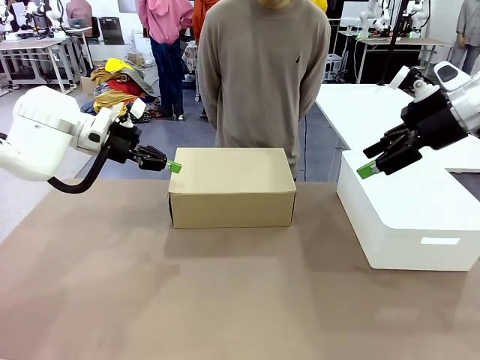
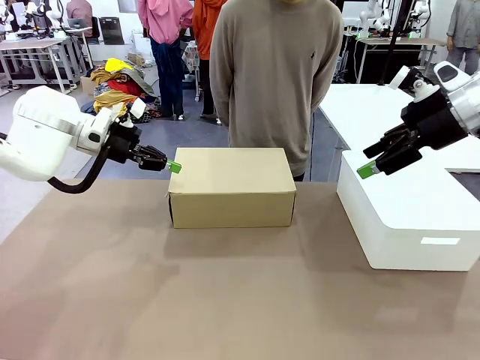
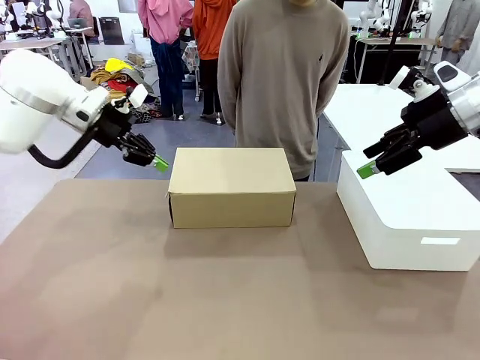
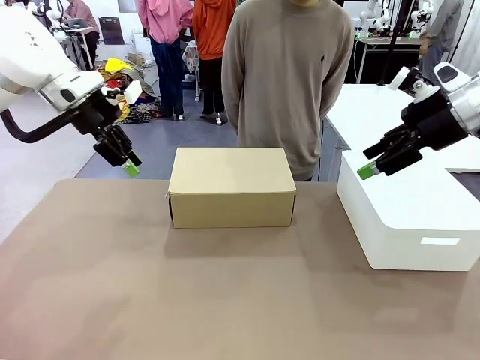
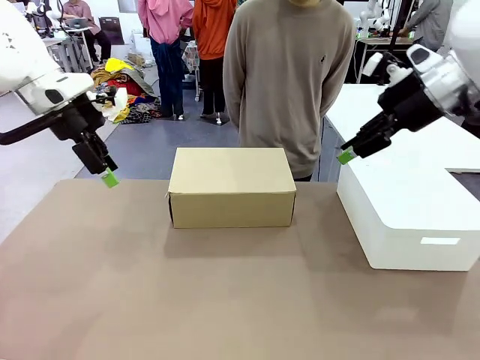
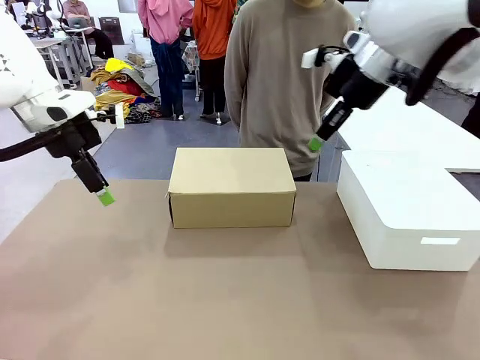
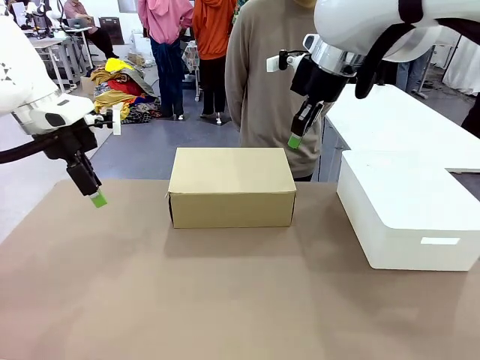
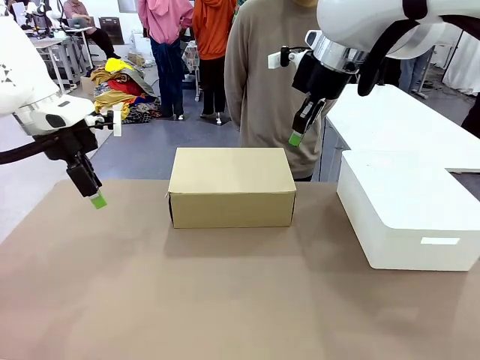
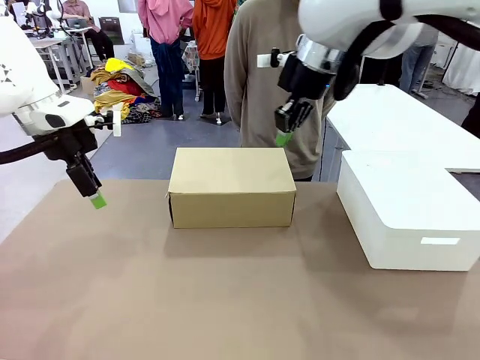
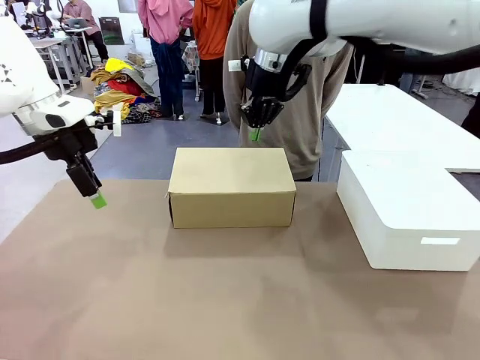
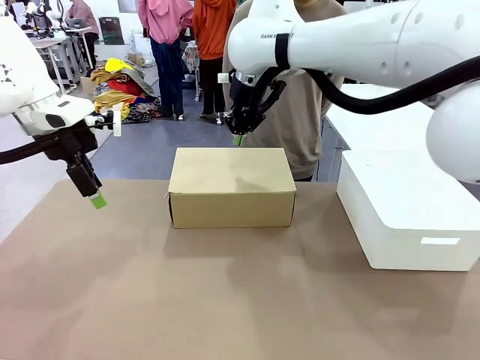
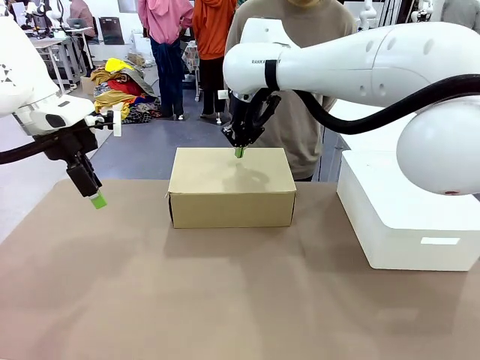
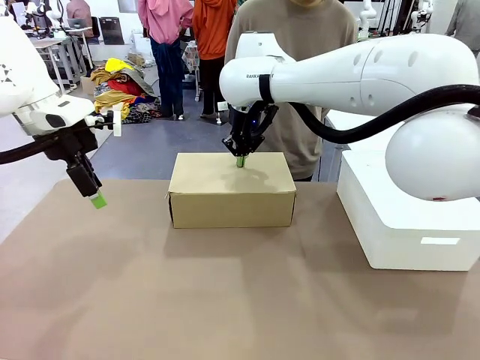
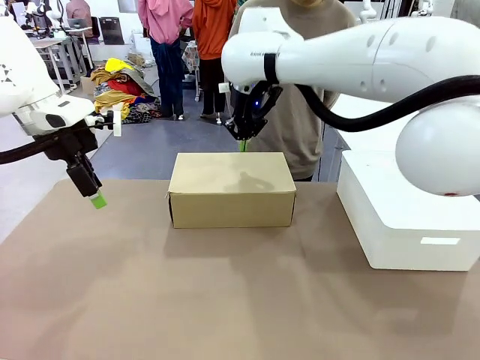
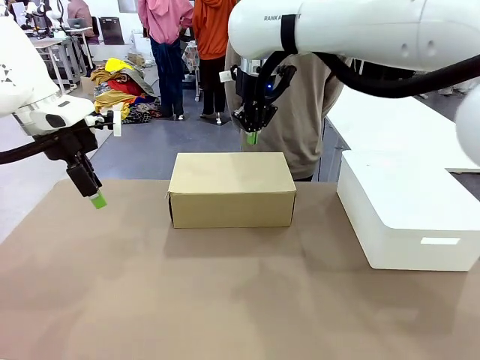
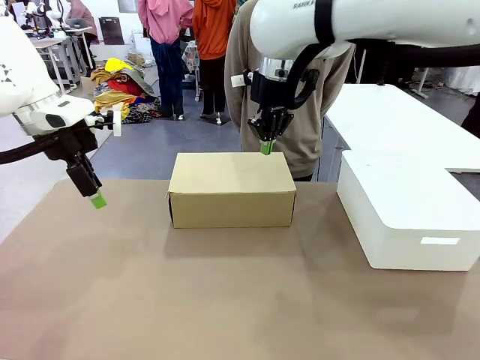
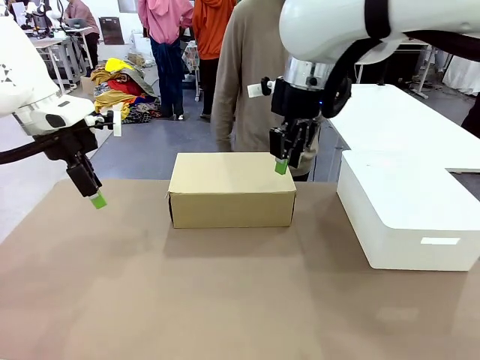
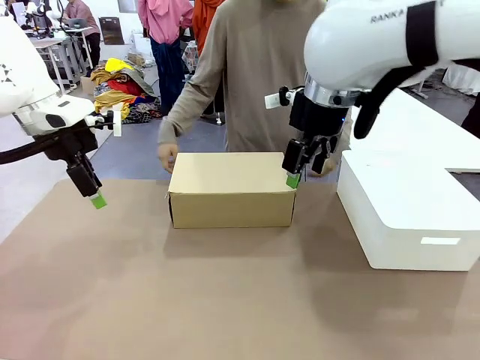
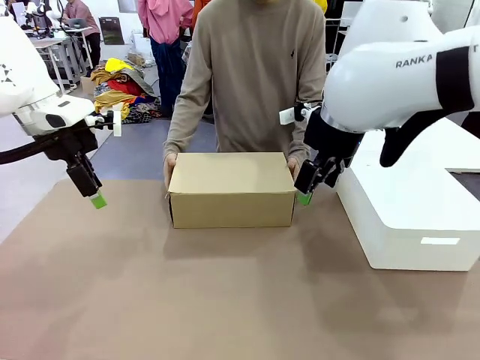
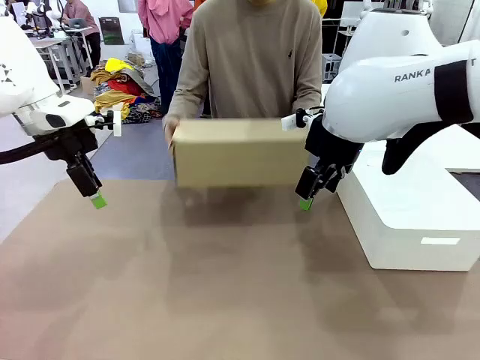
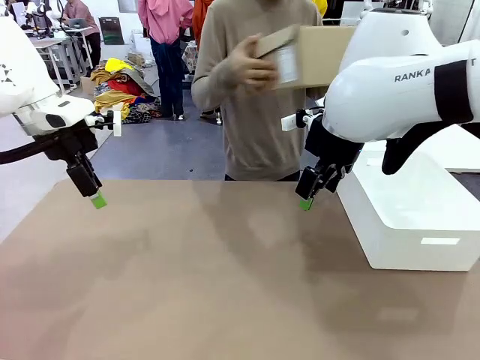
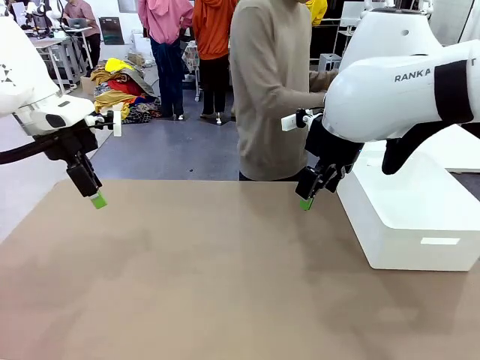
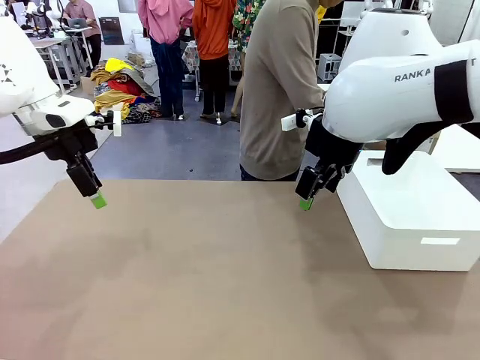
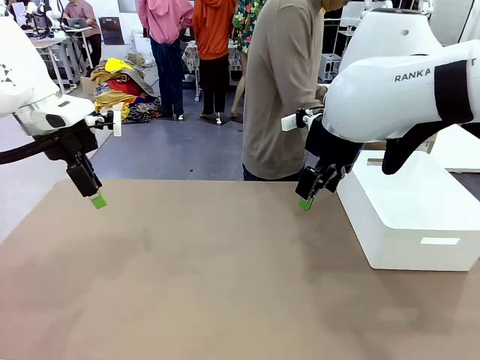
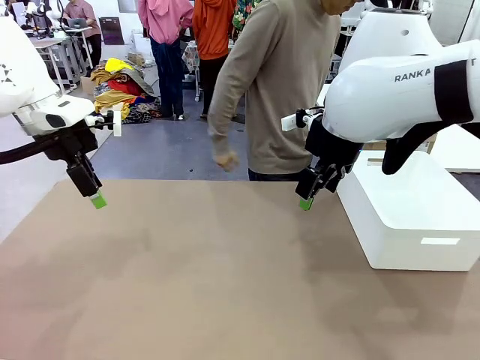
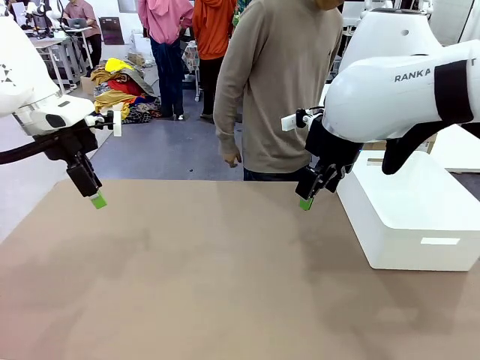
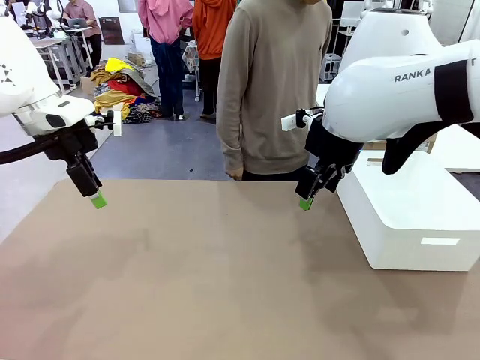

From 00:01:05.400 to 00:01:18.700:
Task: Pack the shoes into the box.
Robot: Press down on the lid of the Shoes Box.
Person: Place the closed Shoes Box to the right side of the human table.

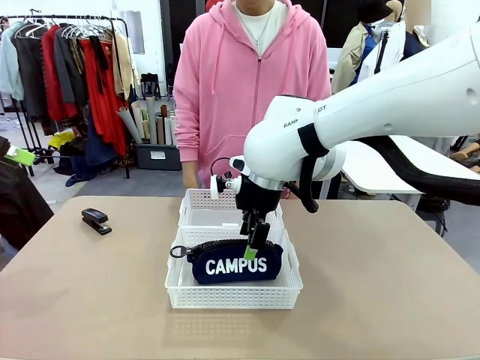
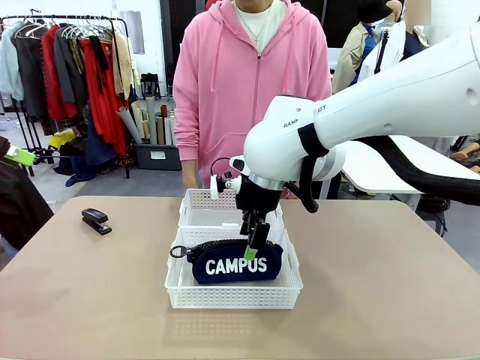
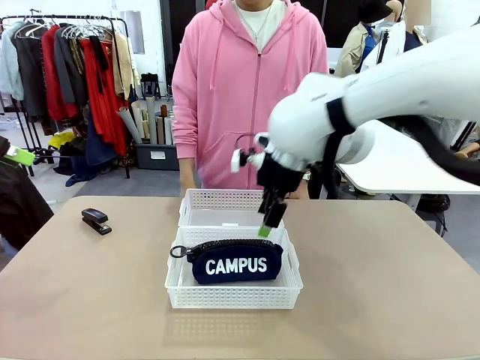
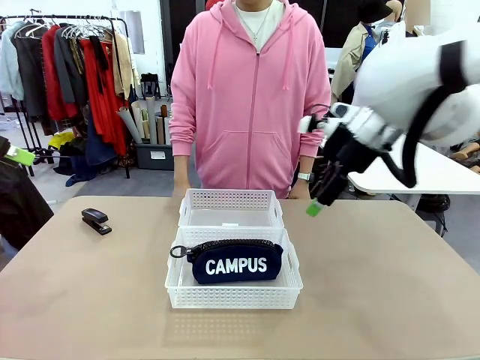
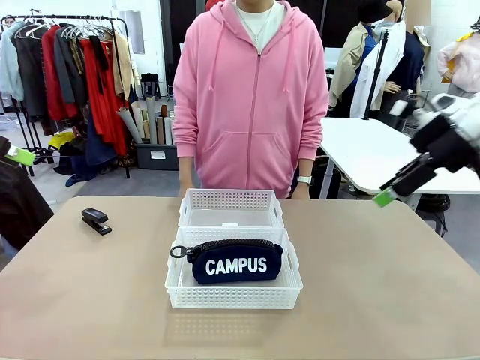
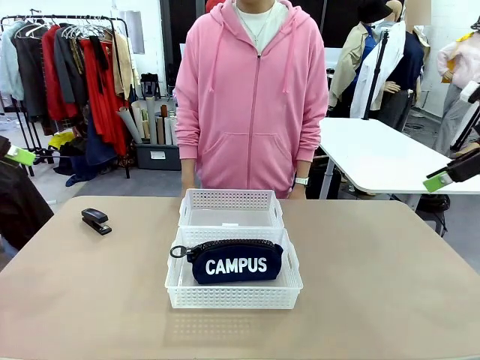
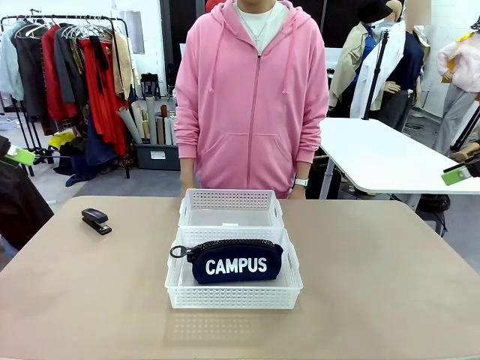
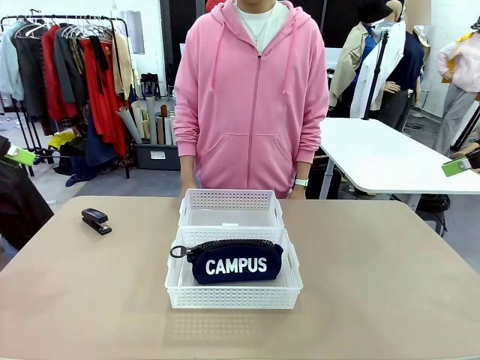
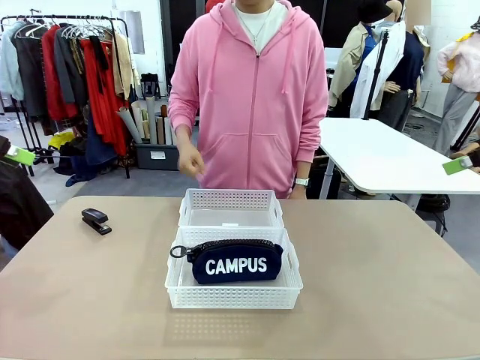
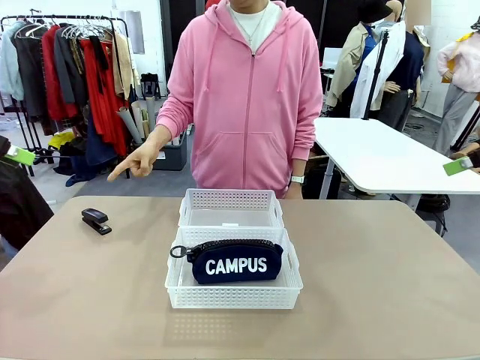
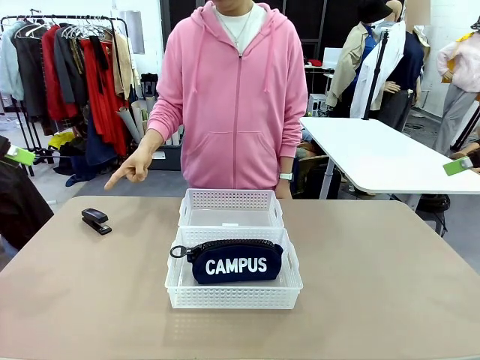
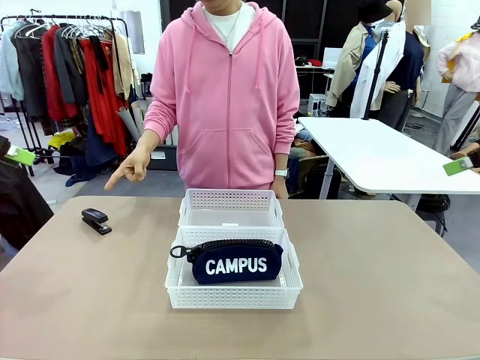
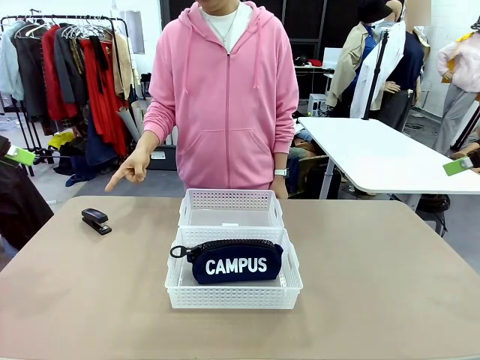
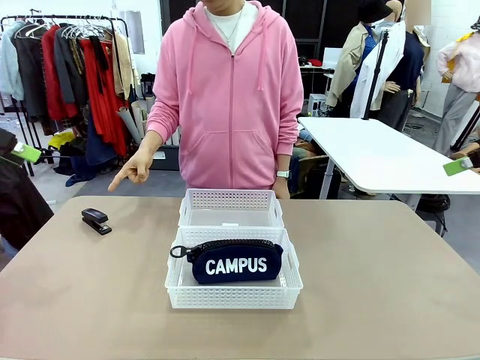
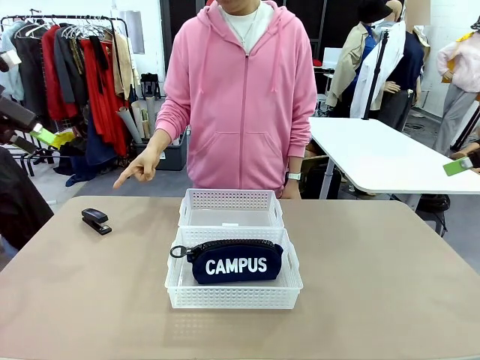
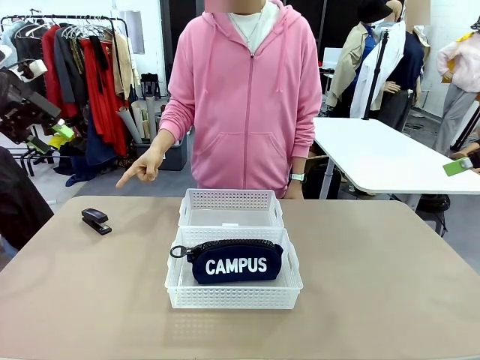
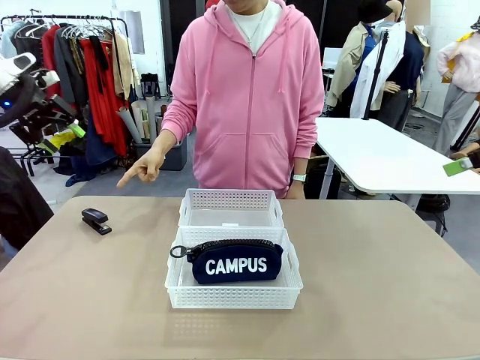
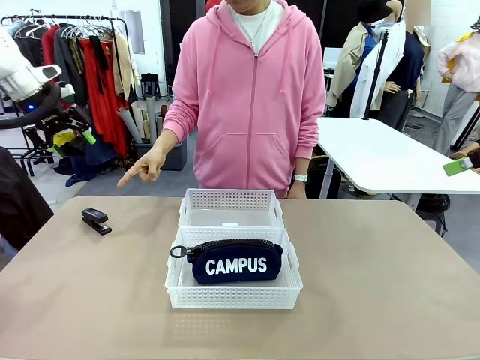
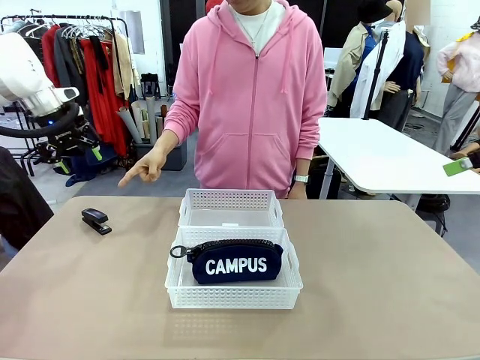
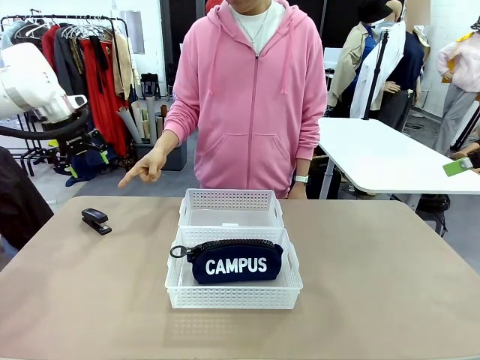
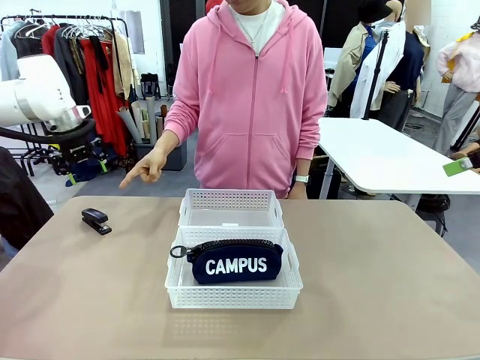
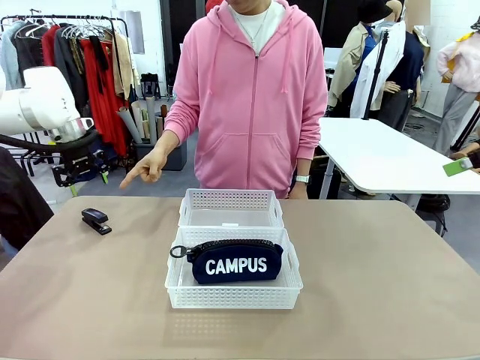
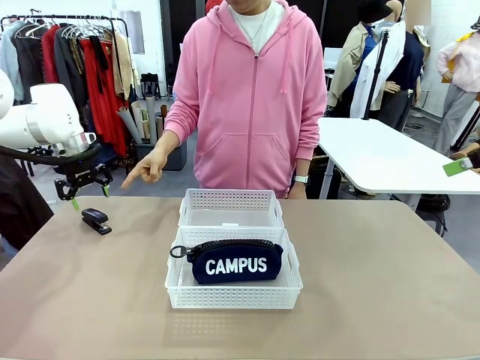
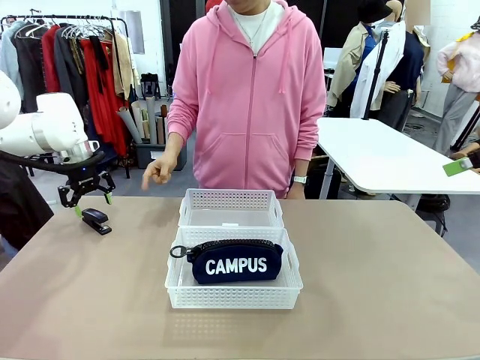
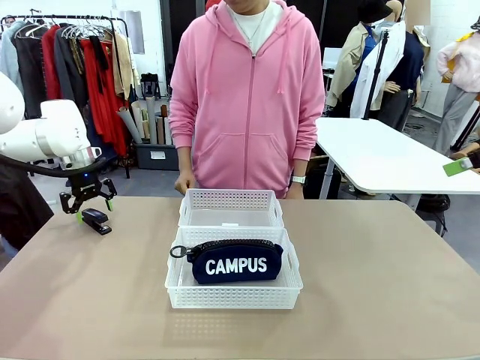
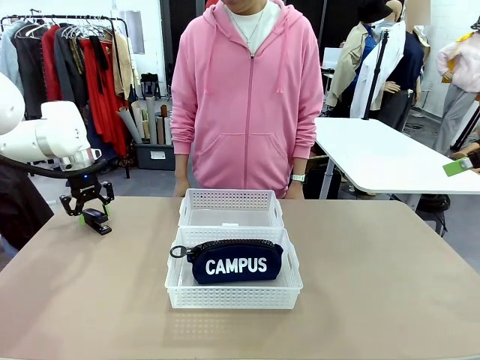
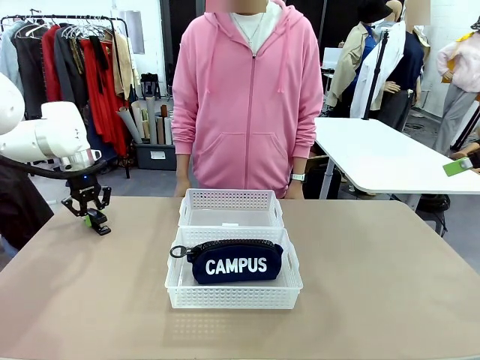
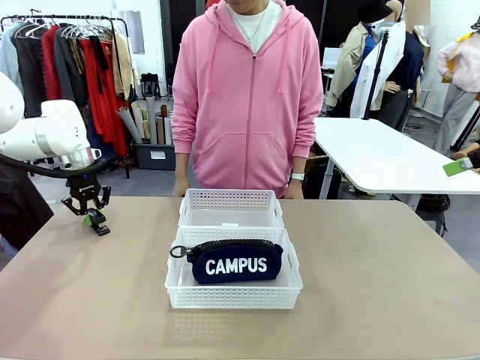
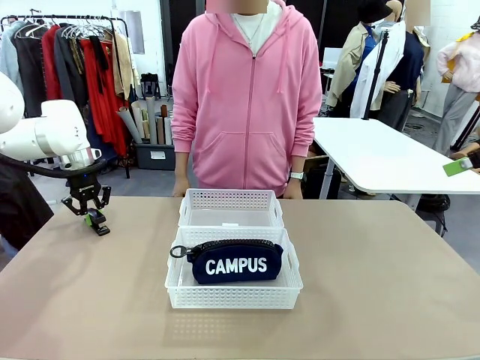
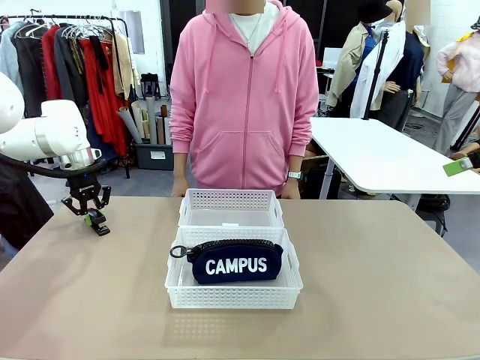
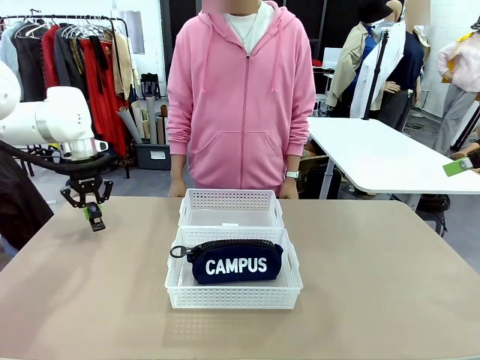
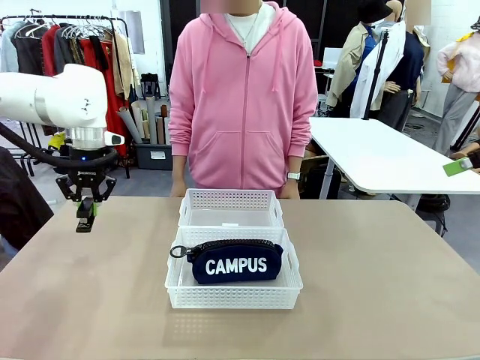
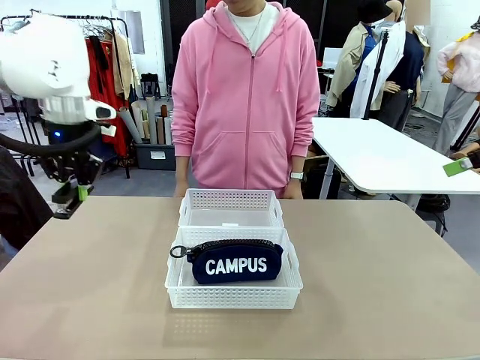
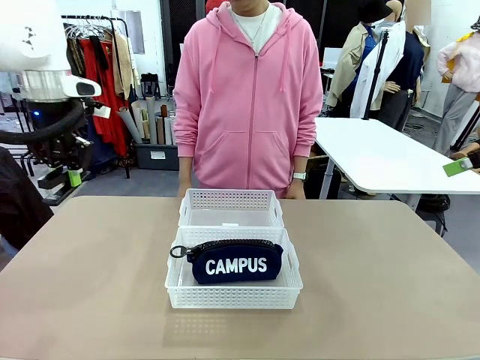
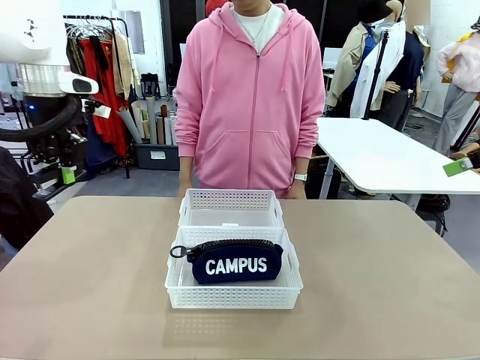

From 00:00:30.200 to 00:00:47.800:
Task: Distribute items into two baskets.
Robot: Pick up the Stapler that the person points to.
